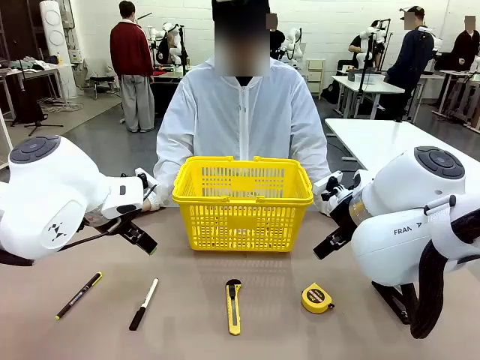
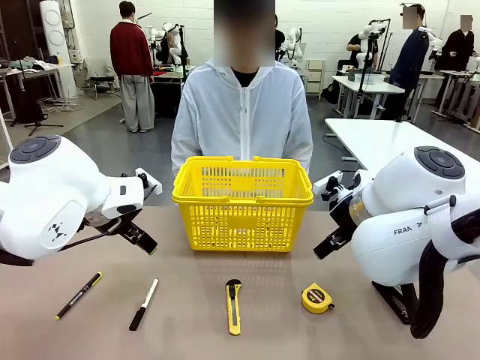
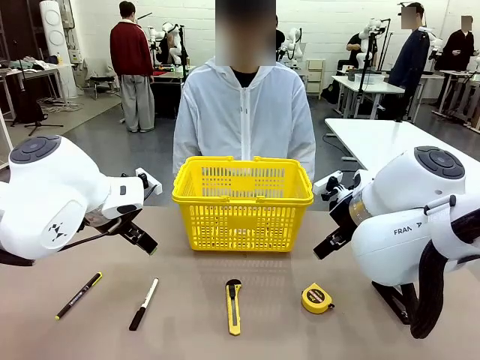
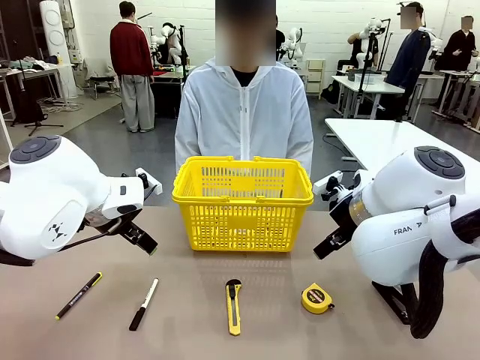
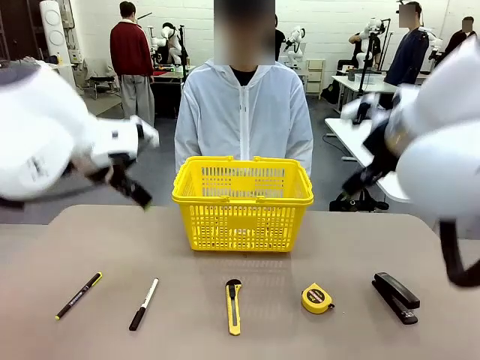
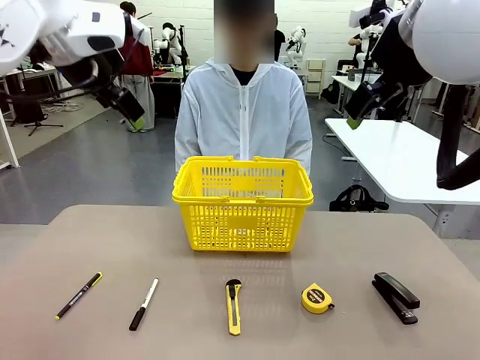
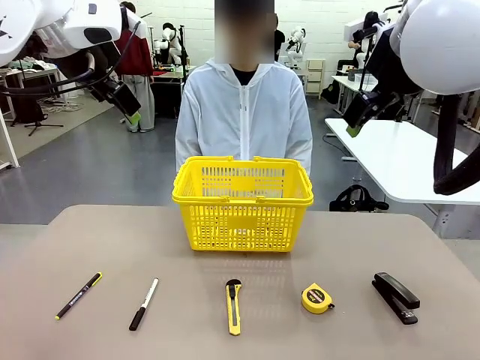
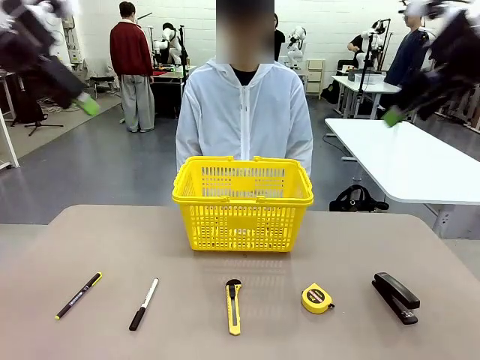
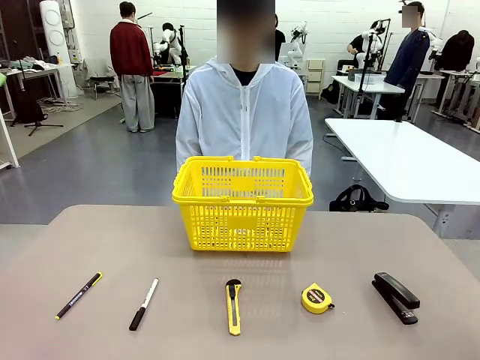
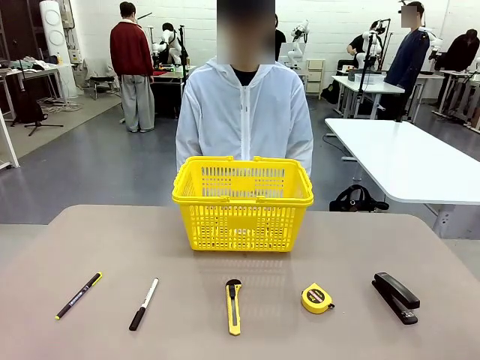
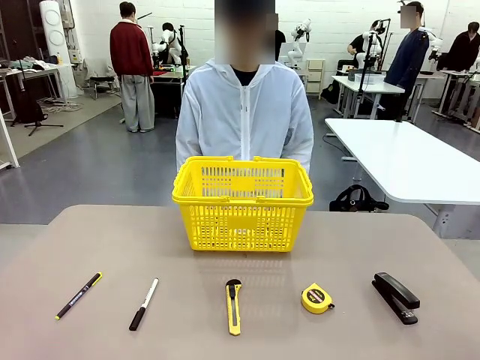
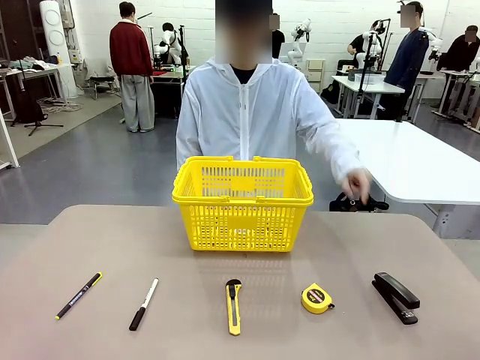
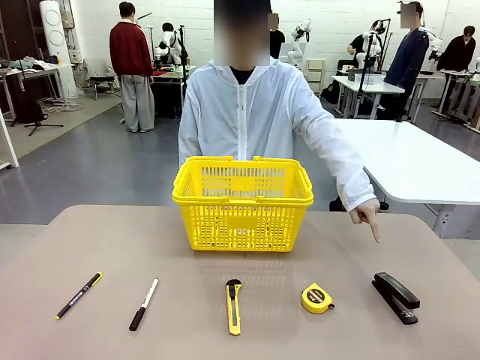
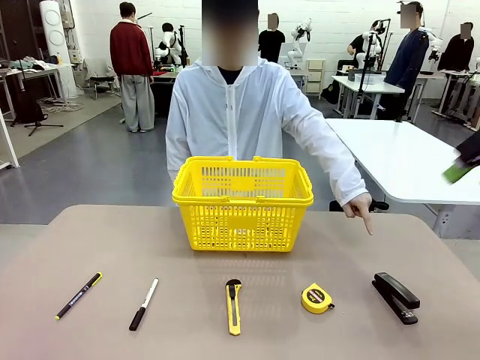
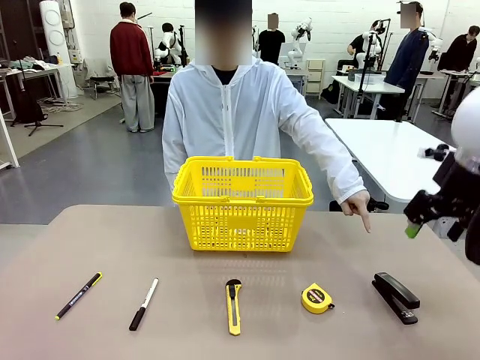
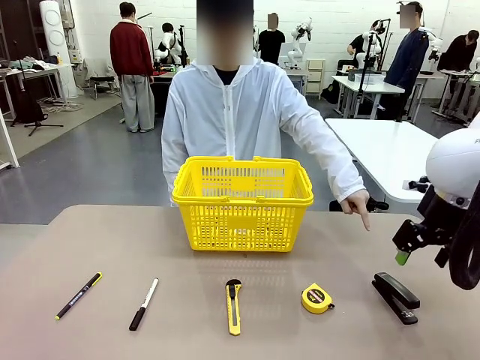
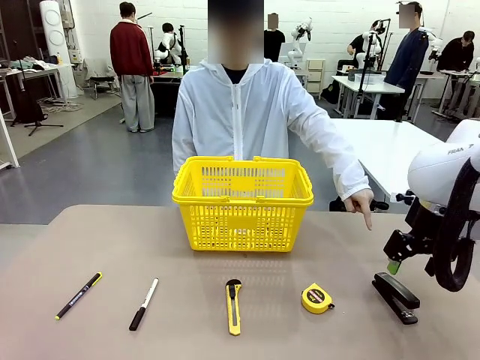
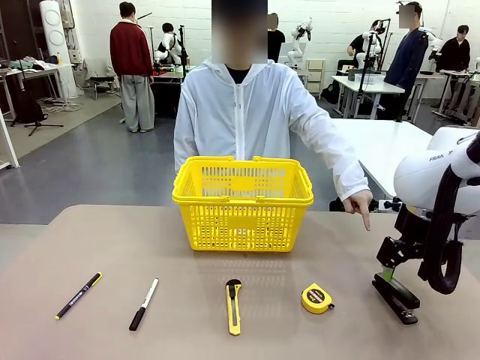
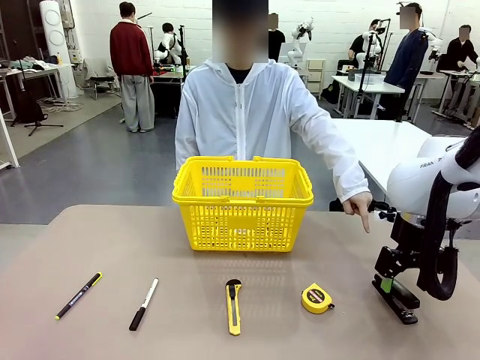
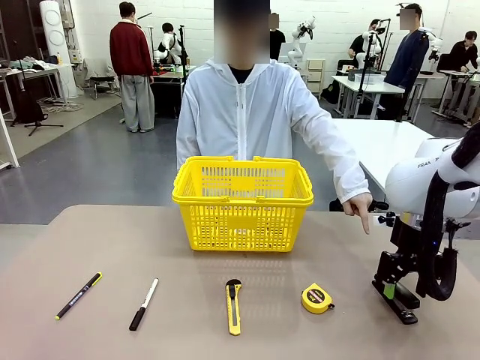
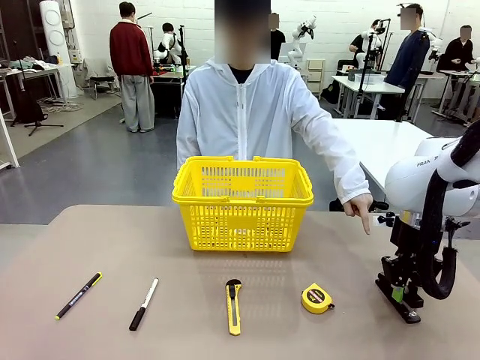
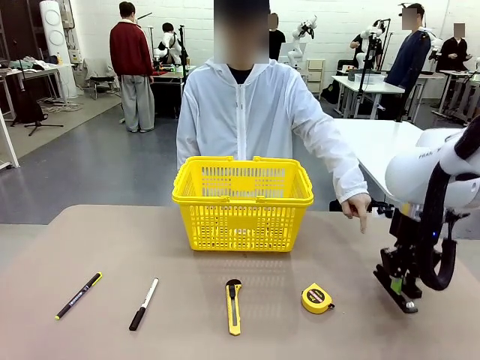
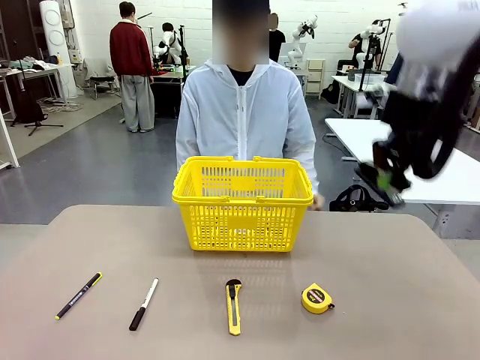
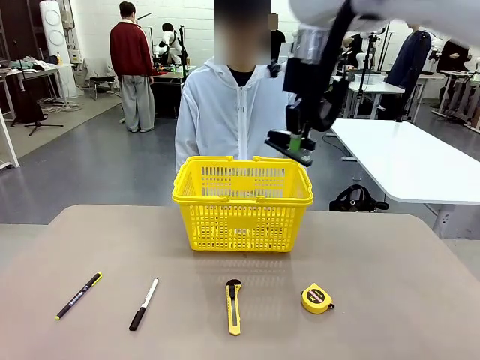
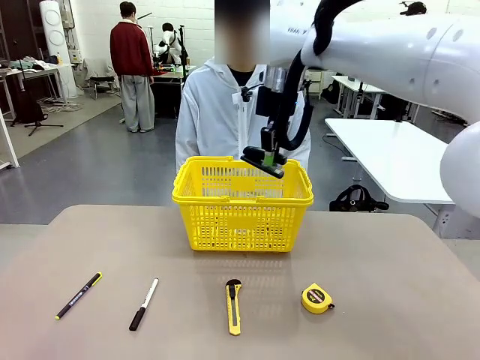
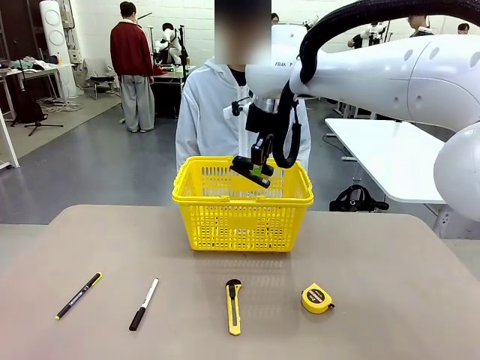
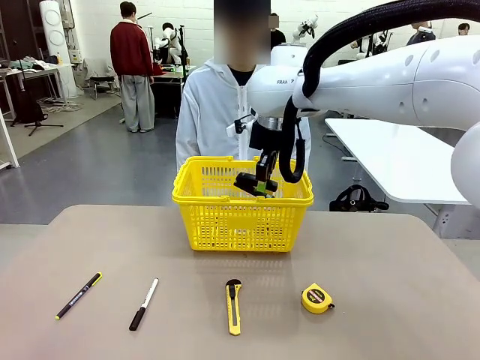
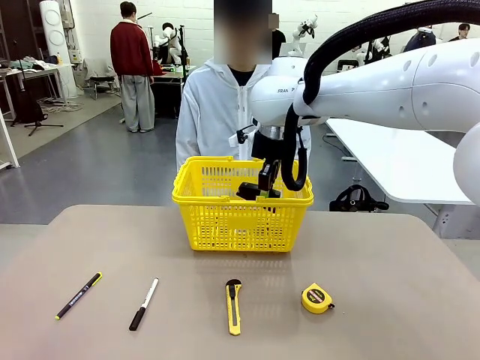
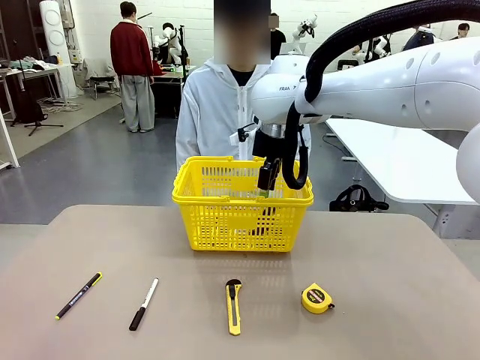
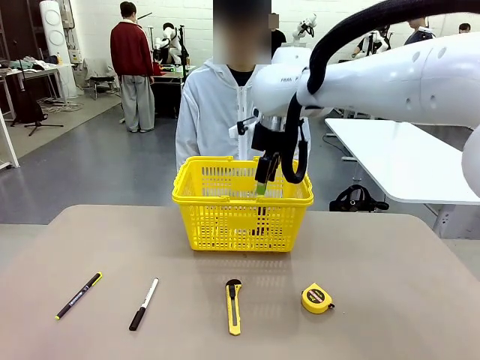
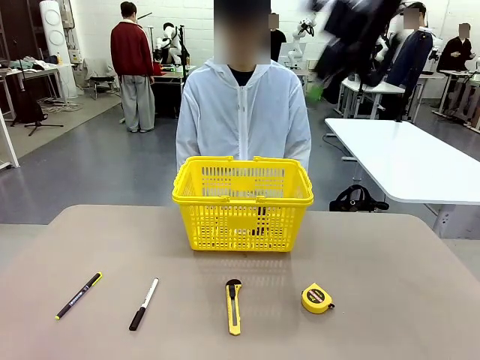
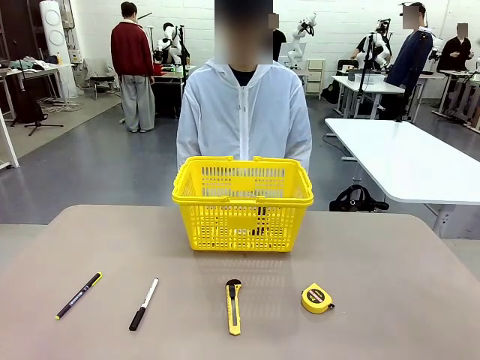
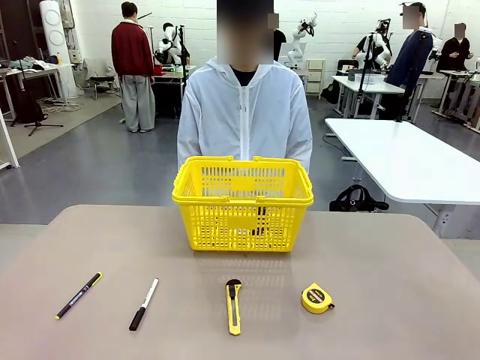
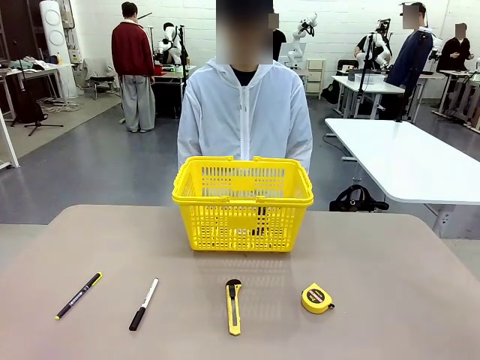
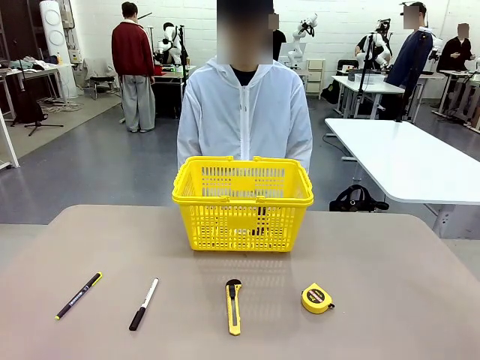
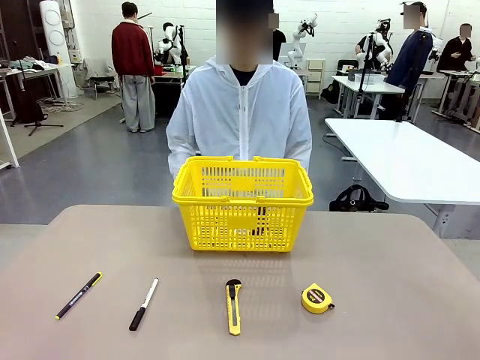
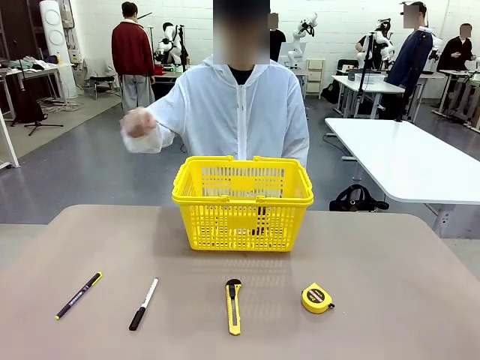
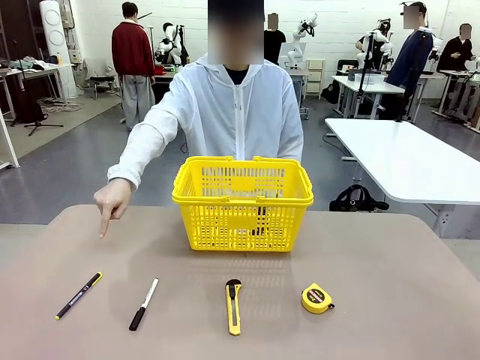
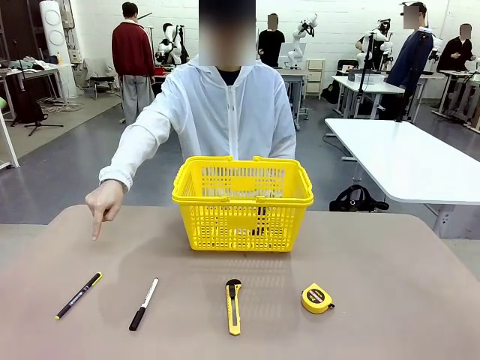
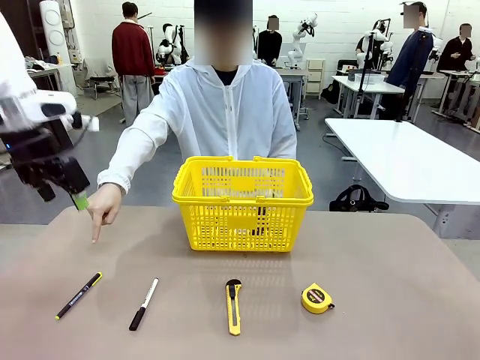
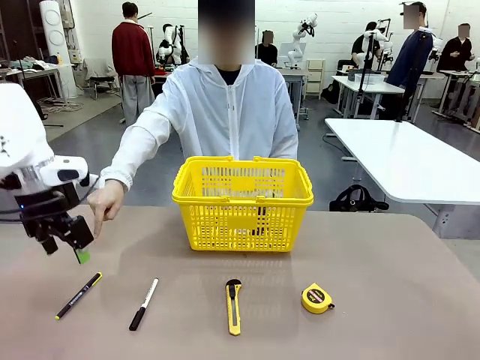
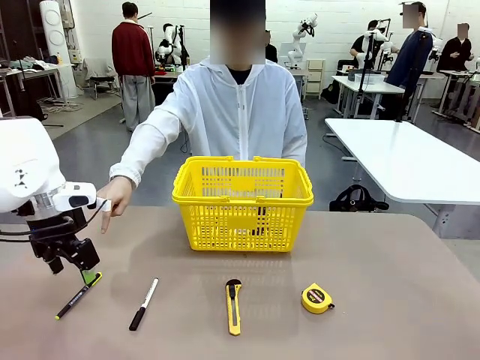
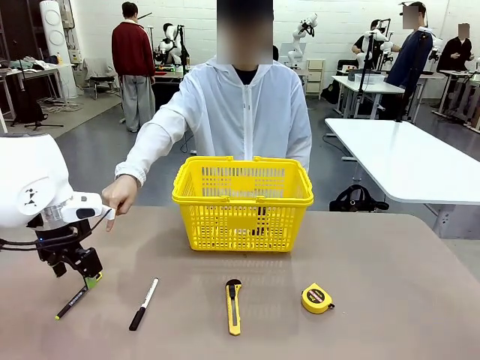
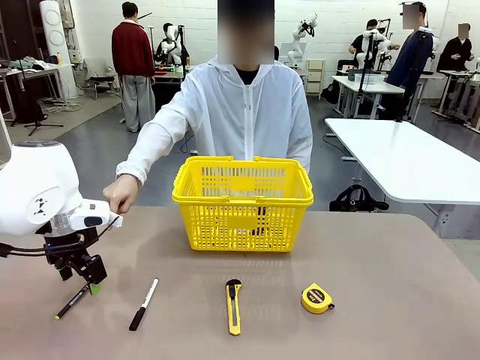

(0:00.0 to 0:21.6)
Task: Place the items the person wants into the basket.
Robot: Pick up the item the person points to and place it in the Market Basket.
